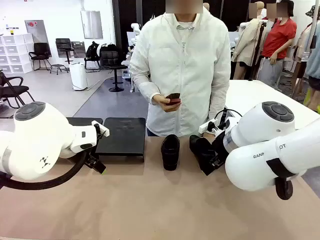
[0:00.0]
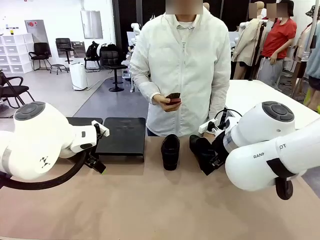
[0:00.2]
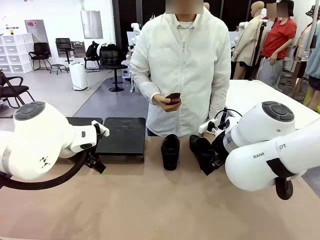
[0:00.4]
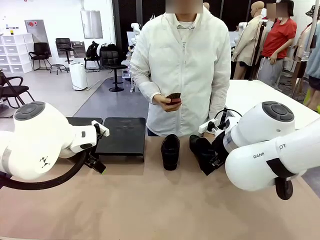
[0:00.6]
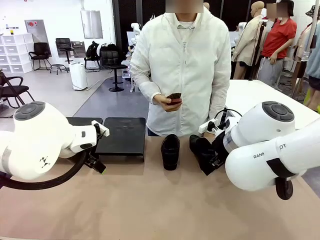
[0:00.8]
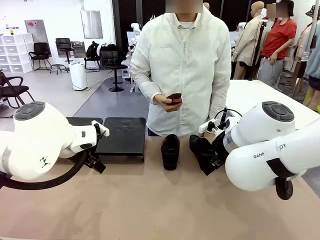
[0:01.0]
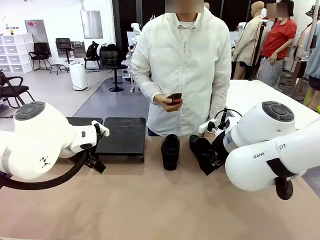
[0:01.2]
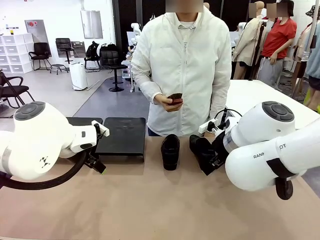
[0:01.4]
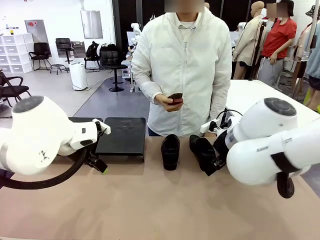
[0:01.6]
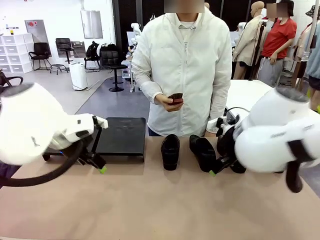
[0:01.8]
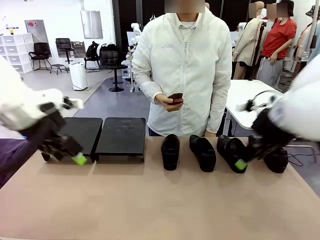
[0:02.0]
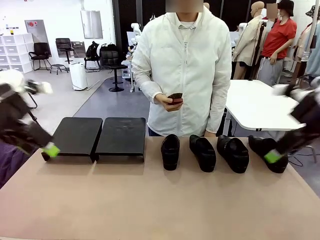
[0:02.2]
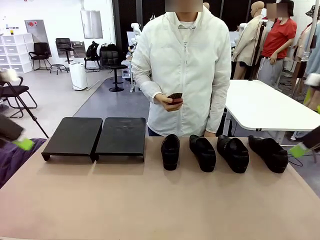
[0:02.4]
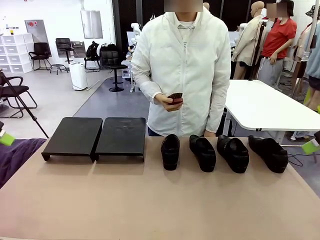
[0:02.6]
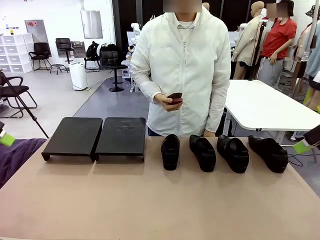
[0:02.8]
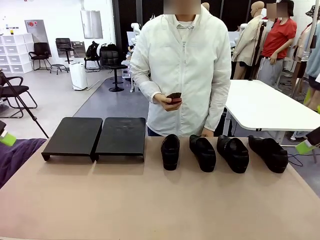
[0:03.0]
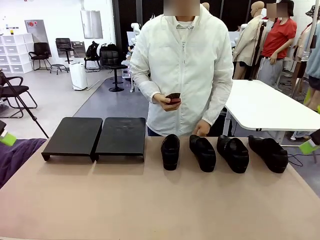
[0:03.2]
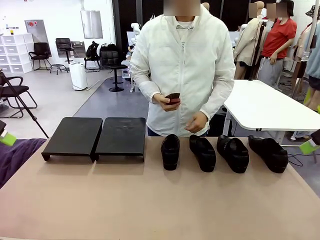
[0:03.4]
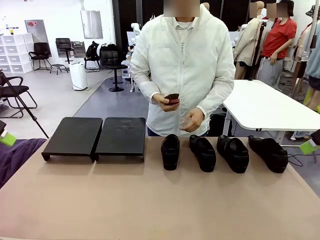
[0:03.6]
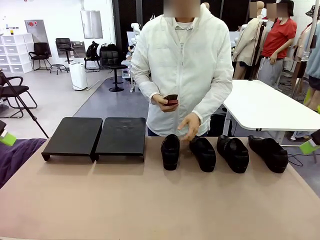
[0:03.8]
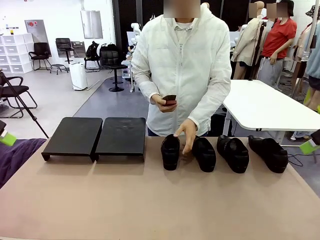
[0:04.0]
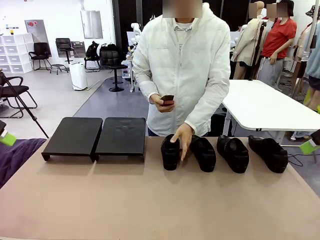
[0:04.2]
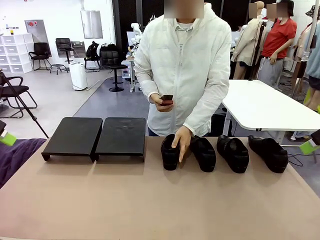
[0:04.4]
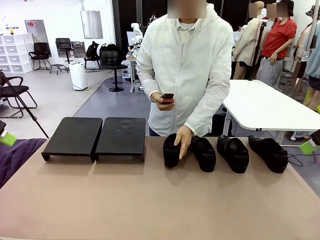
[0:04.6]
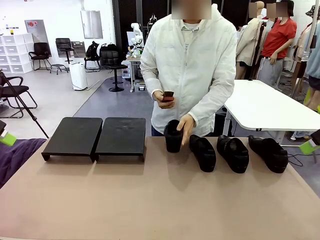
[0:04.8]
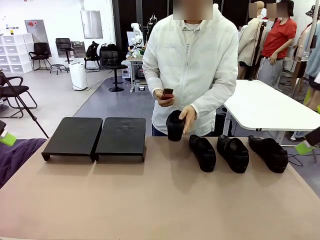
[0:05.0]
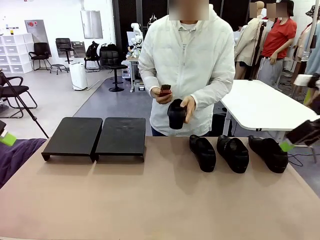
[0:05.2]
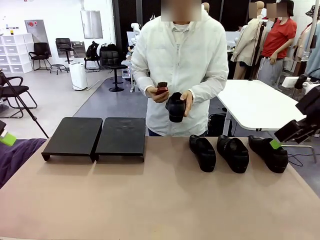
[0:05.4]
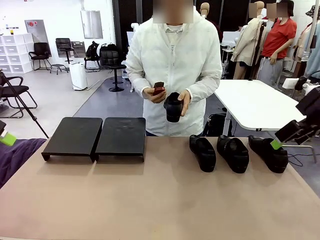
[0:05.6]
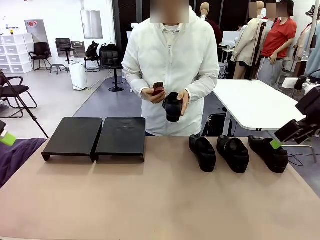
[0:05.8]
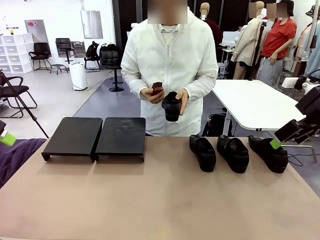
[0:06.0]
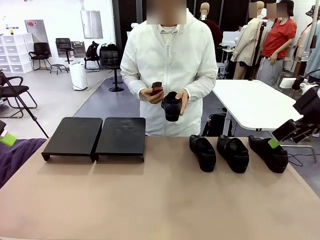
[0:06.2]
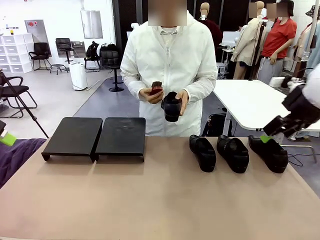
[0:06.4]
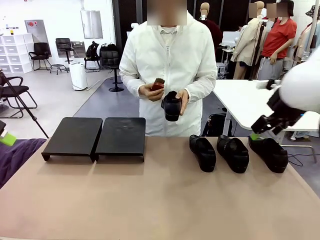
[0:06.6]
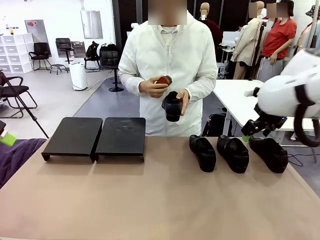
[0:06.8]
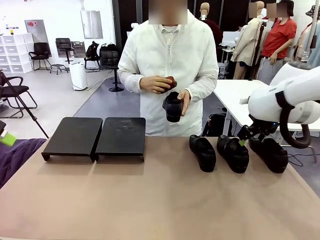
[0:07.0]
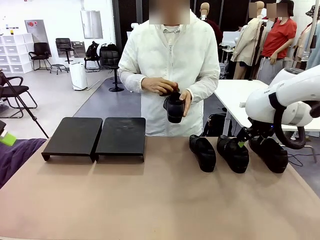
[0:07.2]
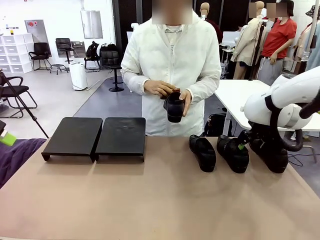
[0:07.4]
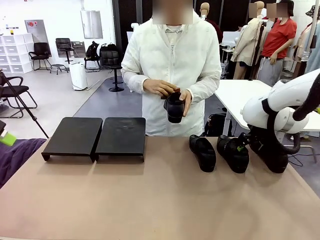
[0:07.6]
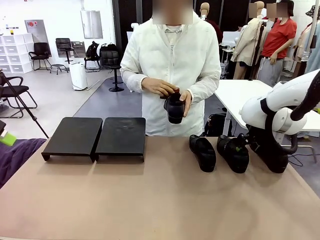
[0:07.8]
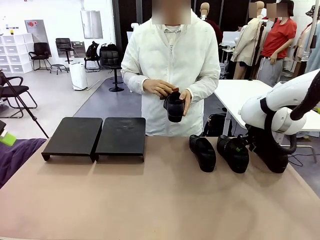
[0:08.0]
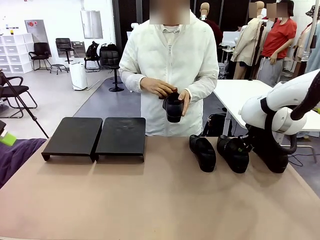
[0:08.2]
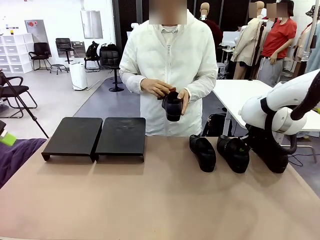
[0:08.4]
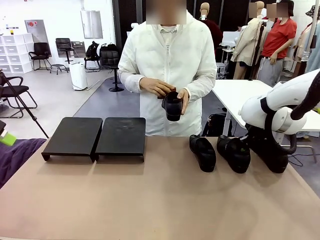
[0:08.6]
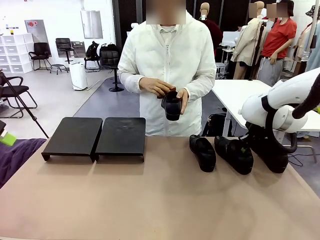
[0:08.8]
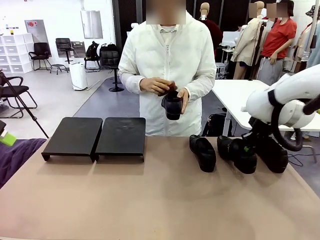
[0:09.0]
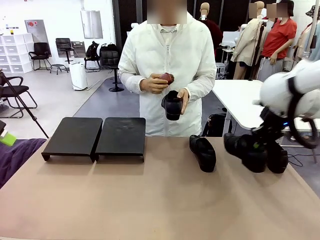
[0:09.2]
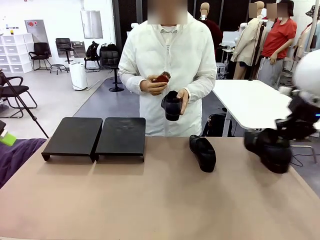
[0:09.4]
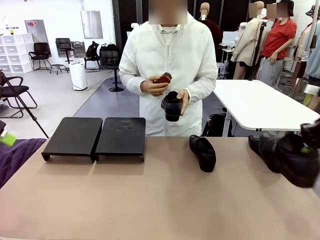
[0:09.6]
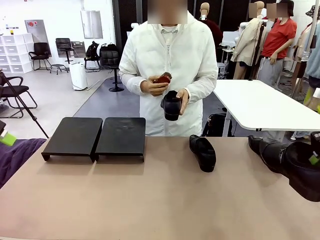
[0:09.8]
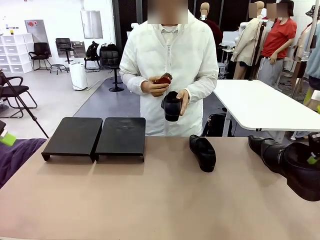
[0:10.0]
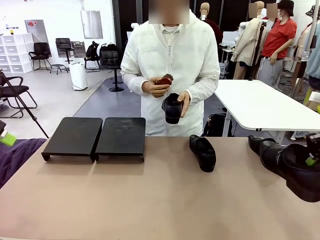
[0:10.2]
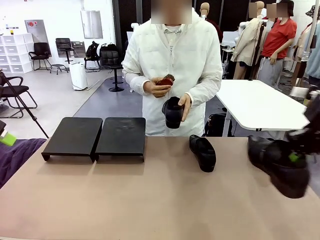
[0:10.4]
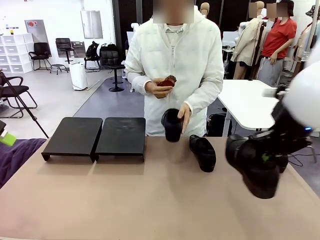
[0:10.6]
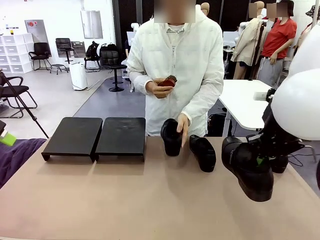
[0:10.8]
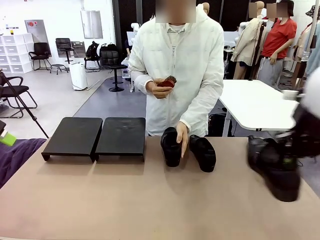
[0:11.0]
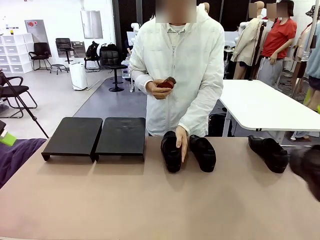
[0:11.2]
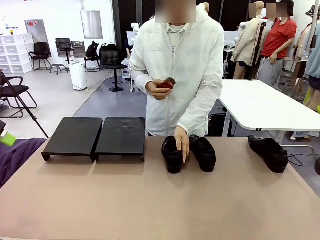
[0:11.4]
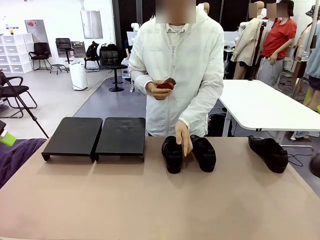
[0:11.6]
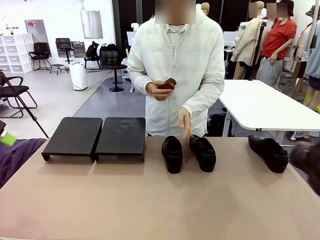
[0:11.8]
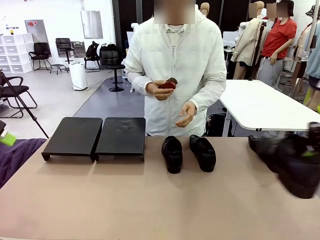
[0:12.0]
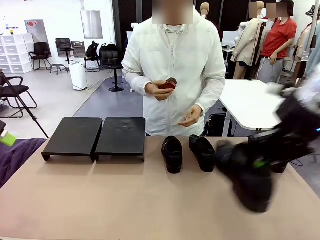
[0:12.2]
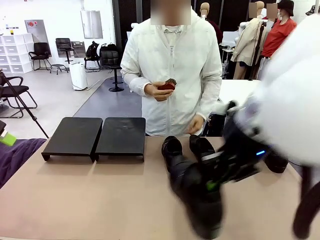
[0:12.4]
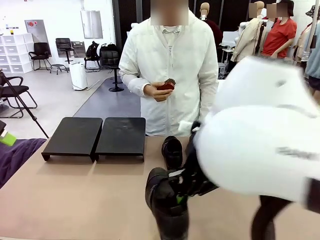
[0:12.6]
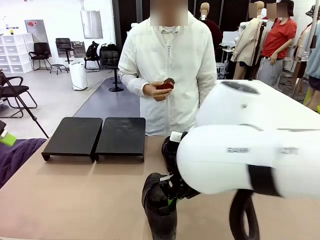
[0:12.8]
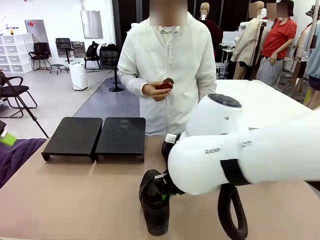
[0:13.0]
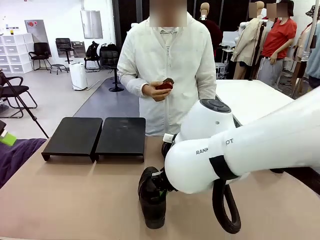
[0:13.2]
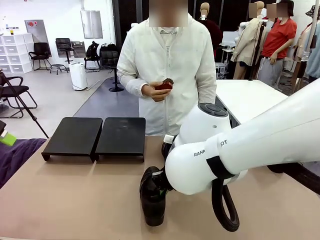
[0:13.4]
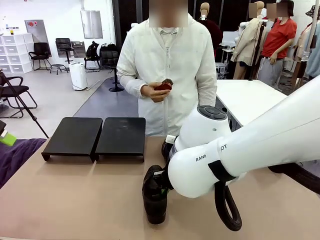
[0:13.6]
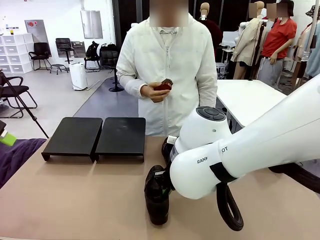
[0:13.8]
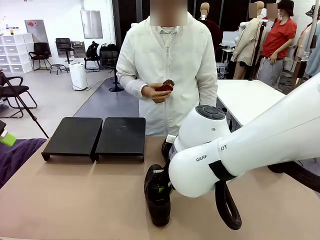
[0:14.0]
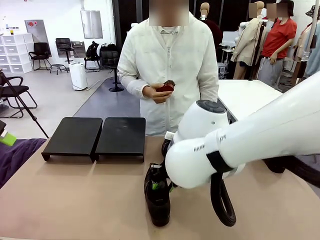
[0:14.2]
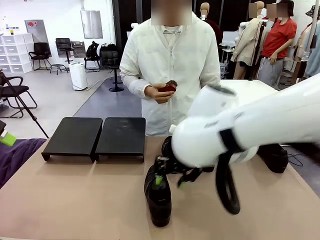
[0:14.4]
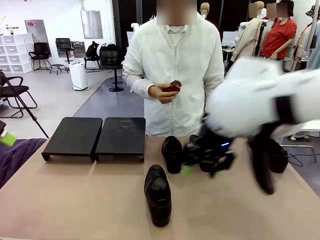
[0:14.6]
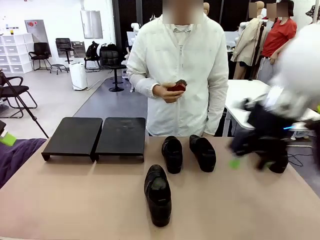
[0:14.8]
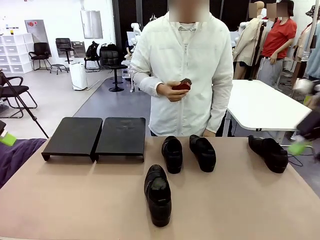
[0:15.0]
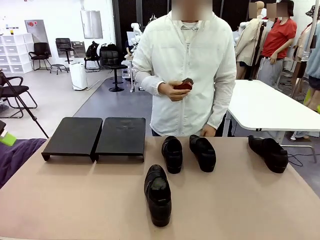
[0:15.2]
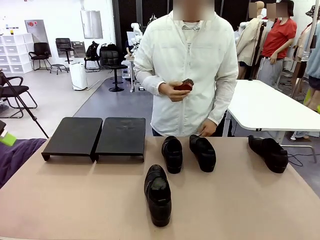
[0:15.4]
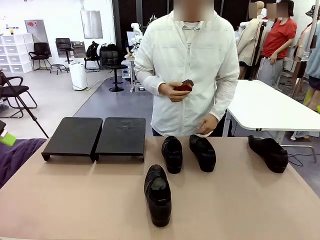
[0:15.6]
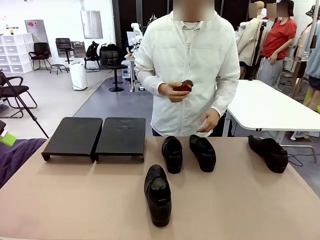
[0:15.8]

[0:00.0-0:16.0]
Task: Organize the shoes by placing them on the stand.
Robot: Pick up one Shoe and place it in the middle of the table.
Person: Pick one Shoe on Robot's table. Clean the Shoe with the Shoe Brush. Place the Shoe on left side of the Robot's table.
